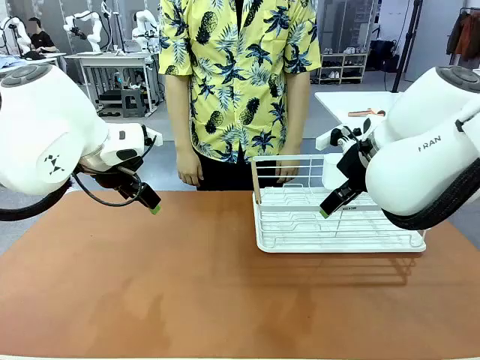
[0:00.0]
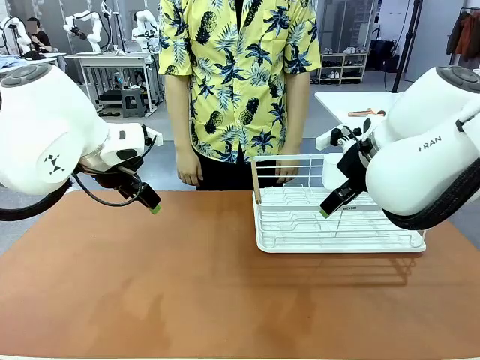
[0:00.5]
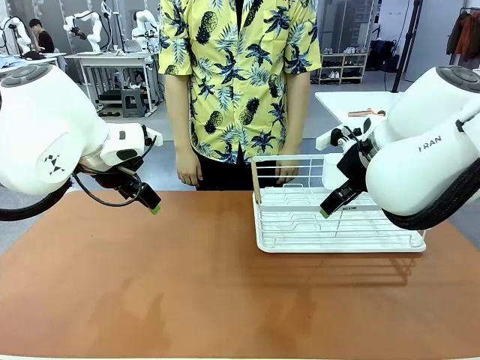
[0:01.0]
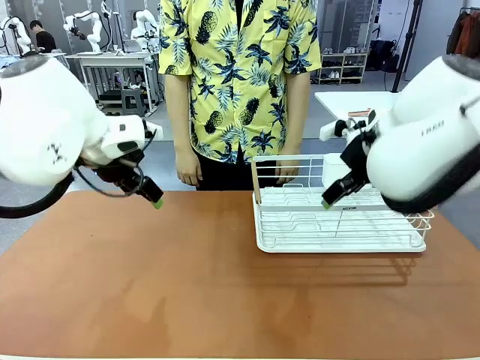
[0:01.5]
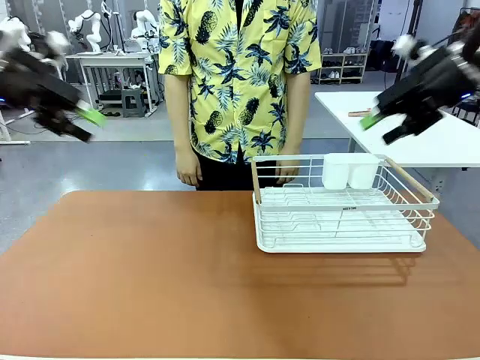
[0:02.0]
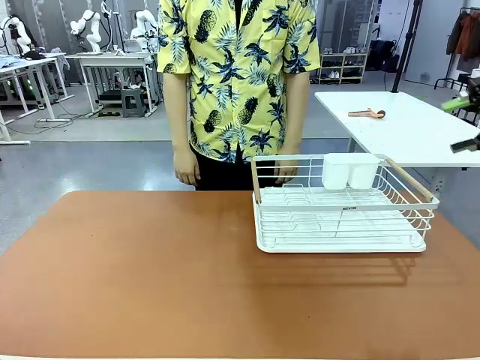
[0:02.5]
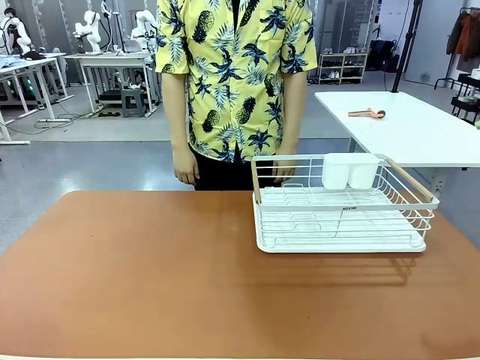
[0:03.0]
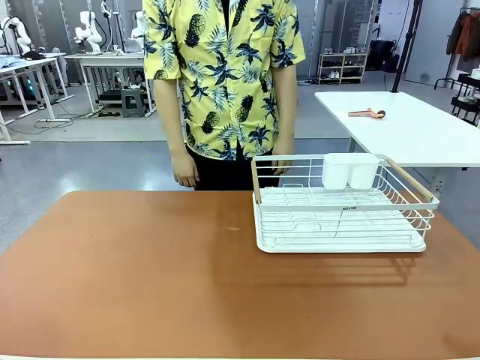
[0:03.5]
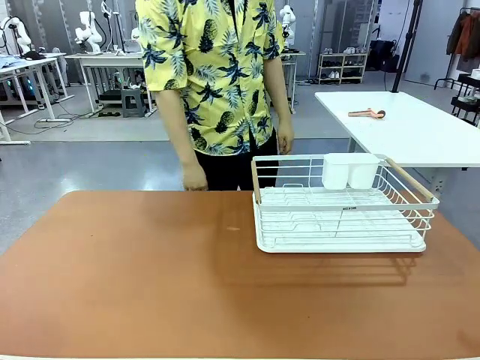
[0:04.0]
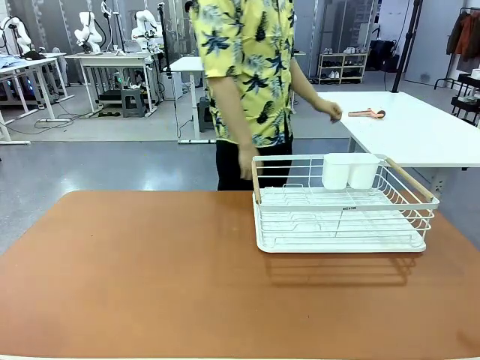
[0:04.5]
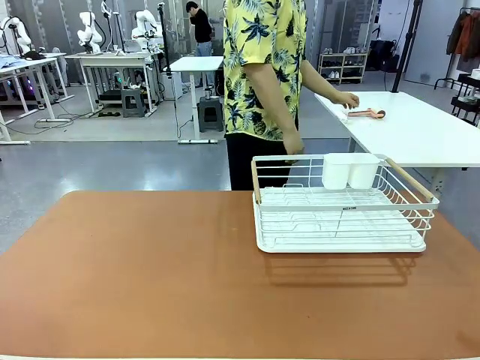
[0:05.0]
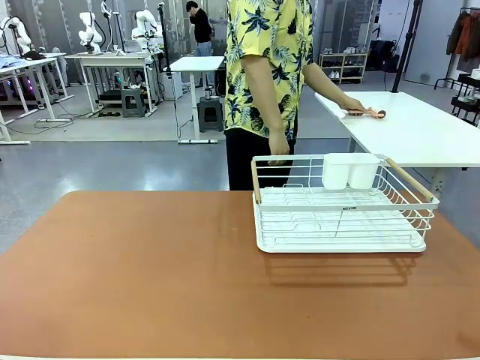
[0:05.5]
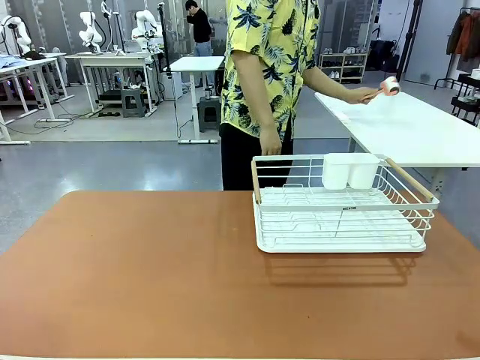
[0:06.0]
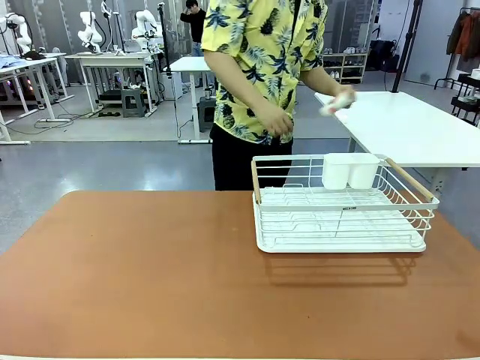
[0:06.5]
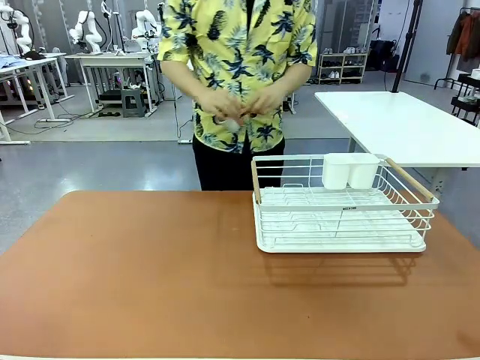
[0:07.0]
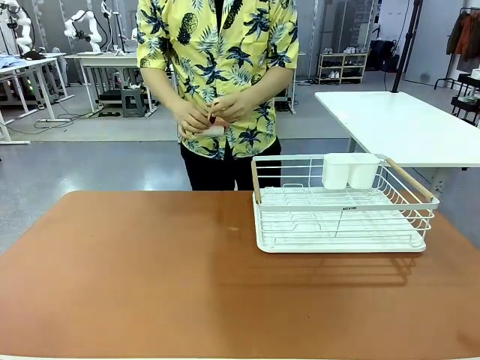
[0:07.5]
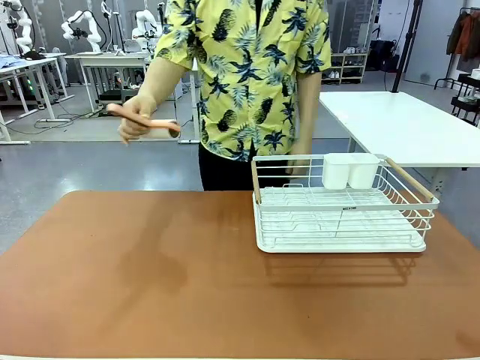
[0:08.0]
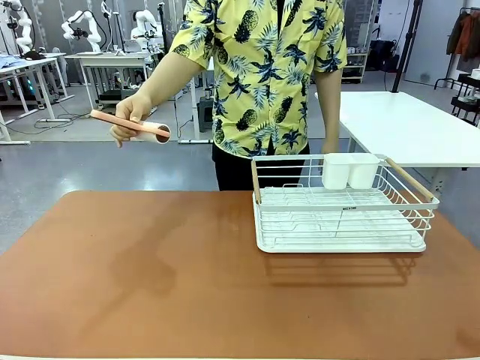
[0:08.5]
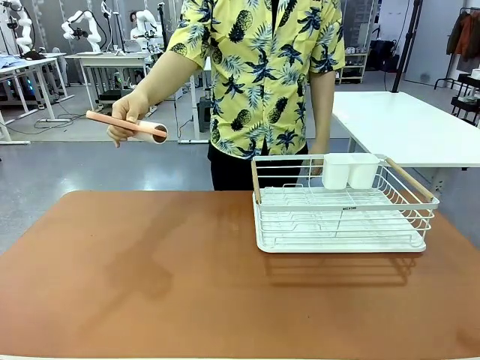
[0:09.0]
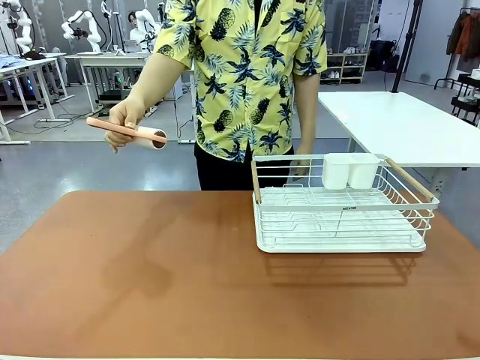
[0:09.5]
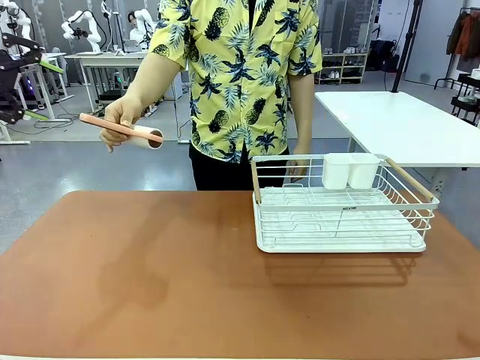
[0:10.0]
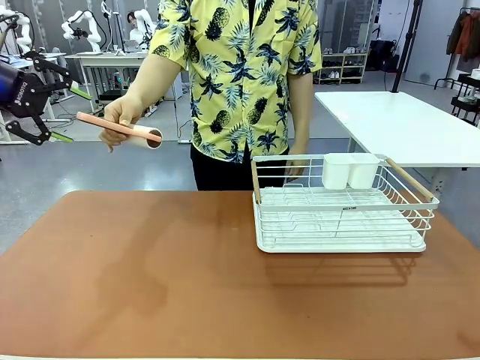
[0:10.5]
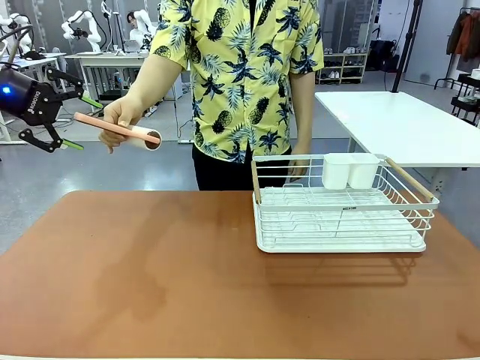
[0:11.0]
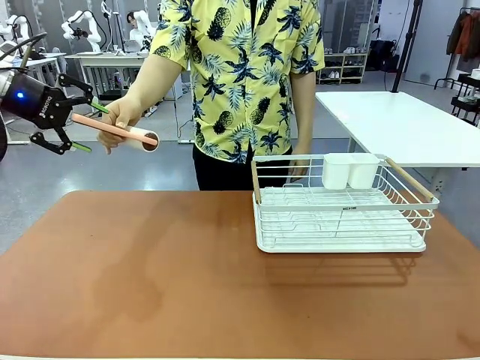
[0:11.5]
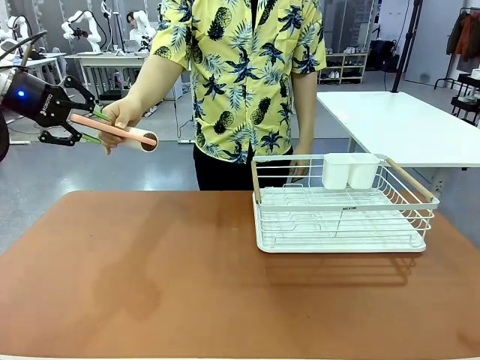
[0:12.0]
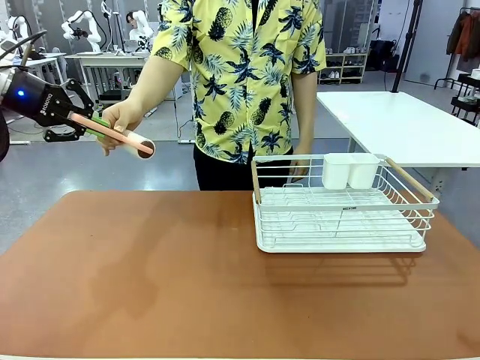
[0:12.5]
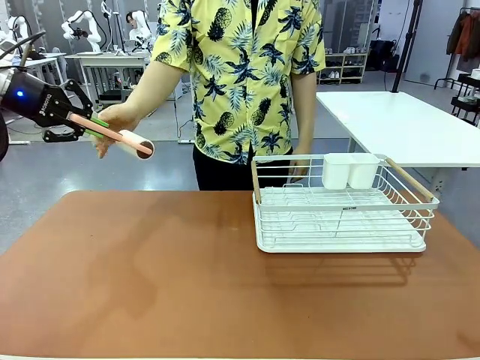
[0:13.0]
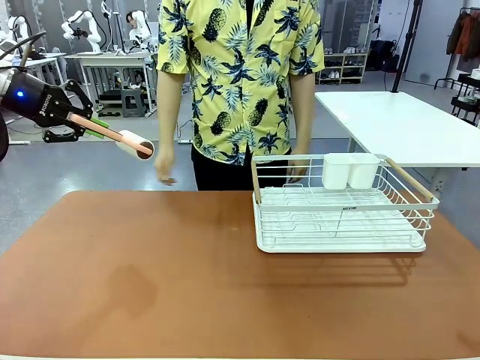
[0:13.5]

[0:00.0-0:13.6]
Task: Clean the table.
Robot: Pick up the Lint Roller when the human hands it over.
Person: Hand the Lint Roller to the robot so it can easily pick it up. Lift the Dish drying rack.

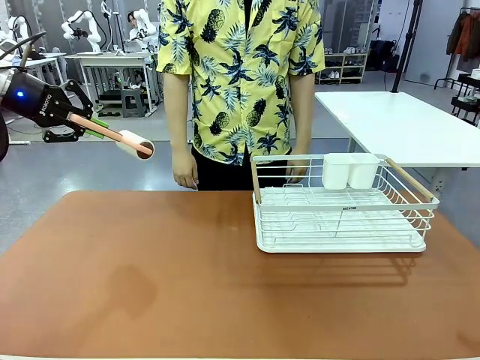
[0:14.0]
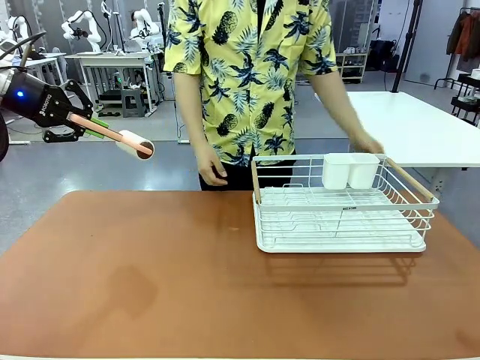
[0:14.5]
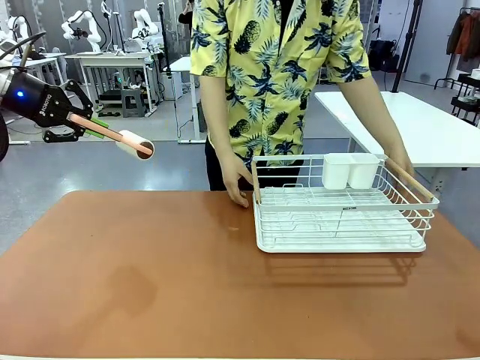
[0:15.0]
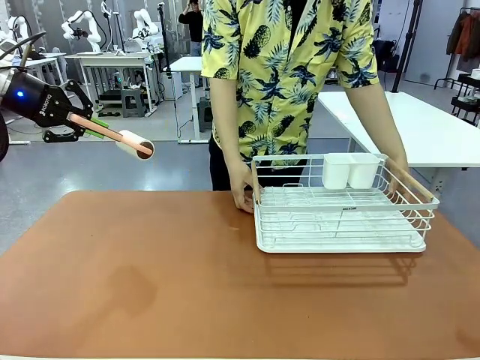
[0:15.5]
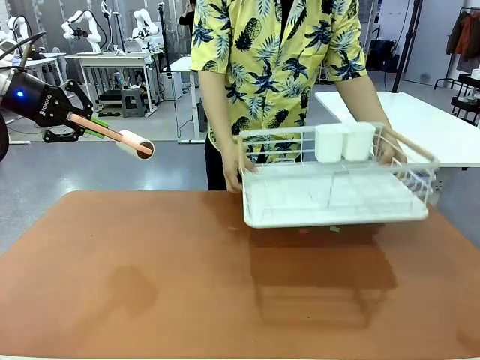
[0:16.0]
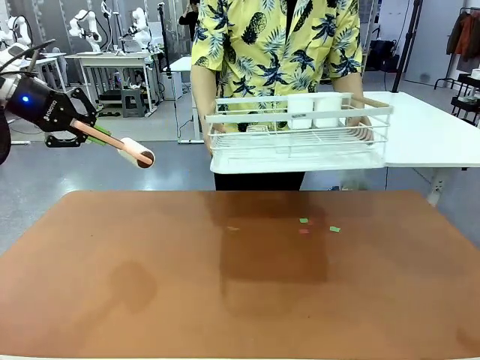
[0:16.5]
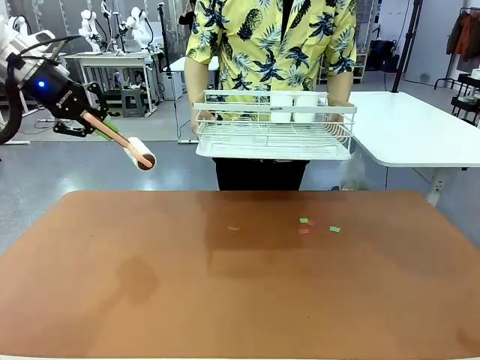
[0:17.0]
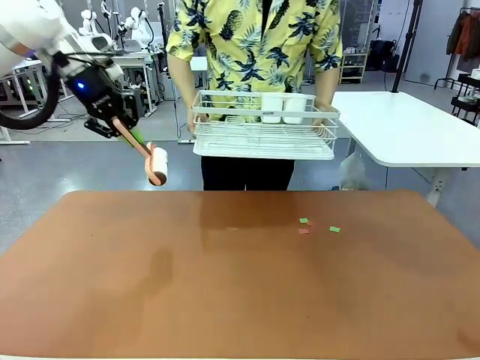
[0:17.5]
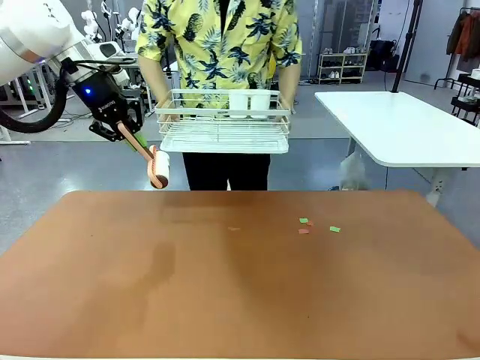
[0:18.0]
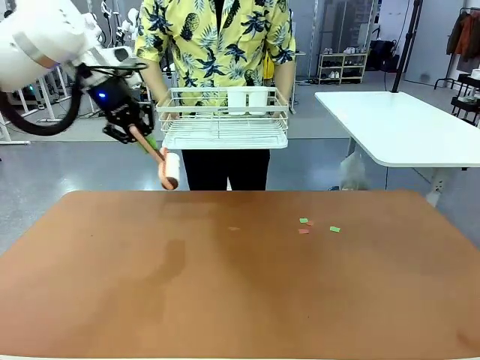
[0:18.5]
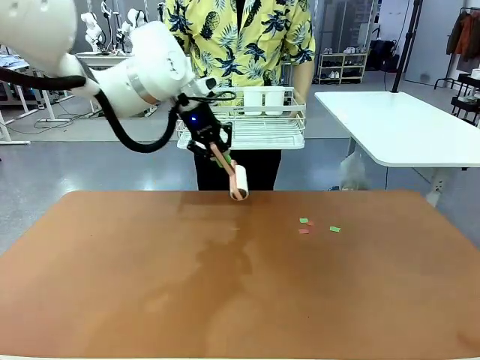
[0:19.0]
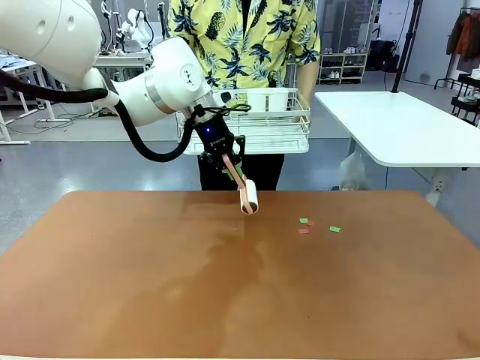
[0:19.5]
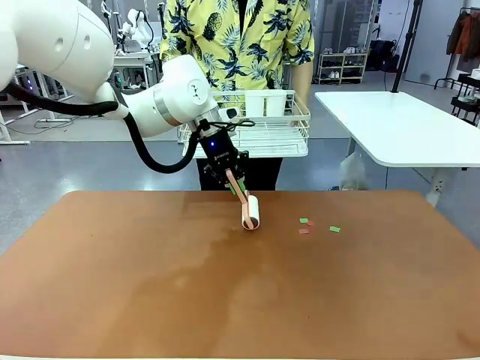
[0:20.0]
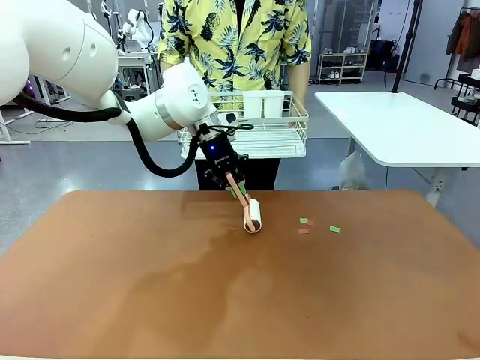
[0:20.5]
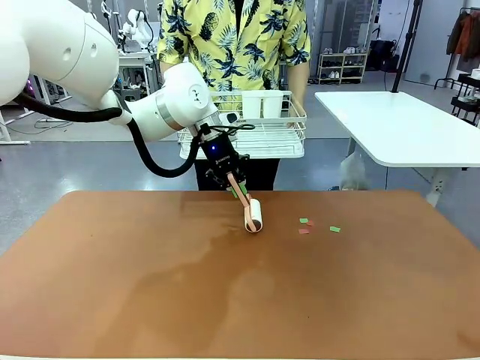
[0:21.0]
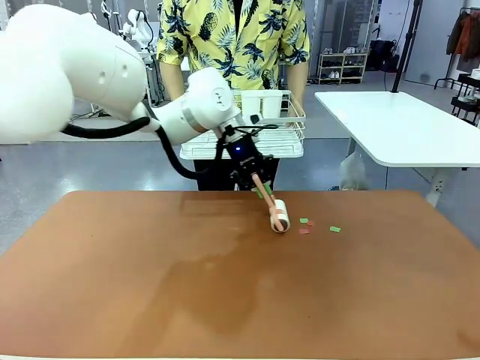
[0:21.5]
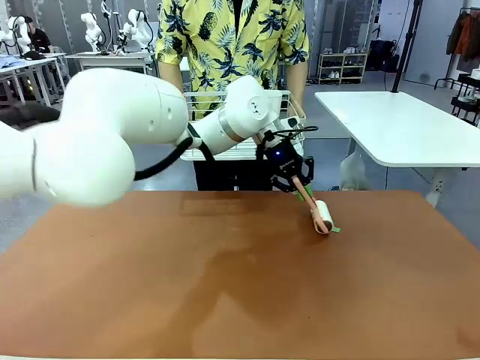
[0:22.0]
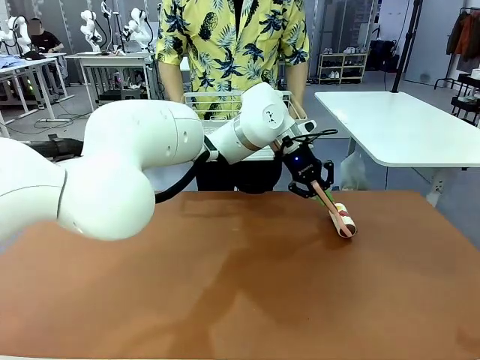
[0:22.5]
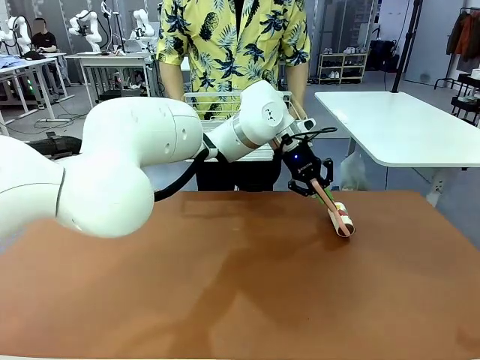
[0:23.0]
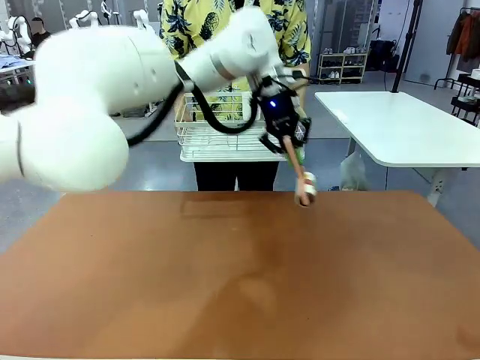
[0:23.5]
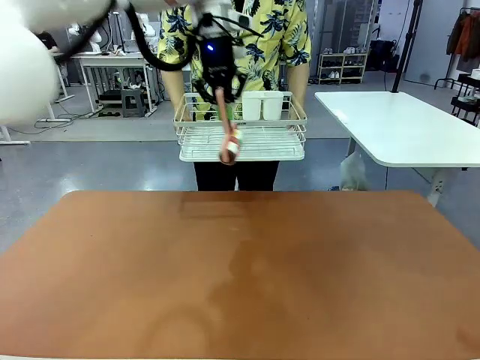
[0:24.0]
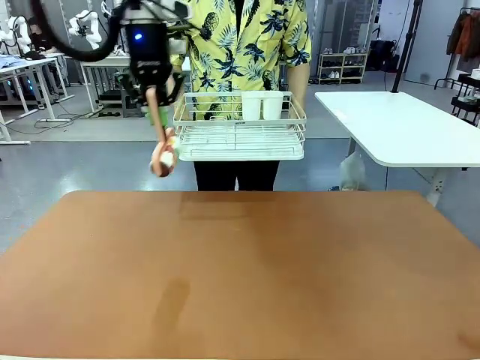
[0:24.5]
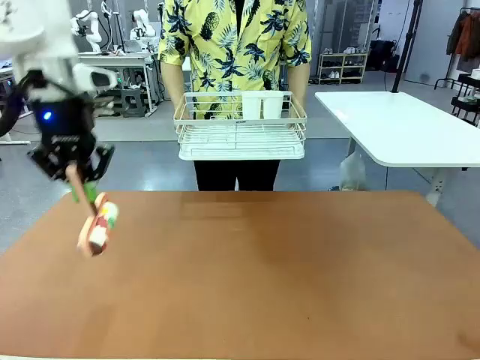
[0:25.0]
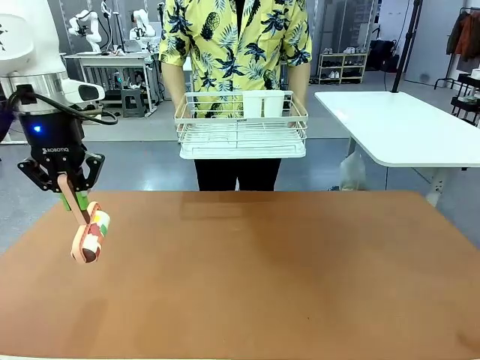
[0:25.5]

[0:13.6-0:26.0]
Robot: Clean the table with the Lint Roller when the human lifts the Dish drying rack.
